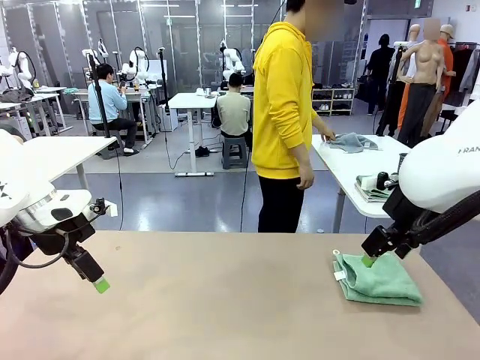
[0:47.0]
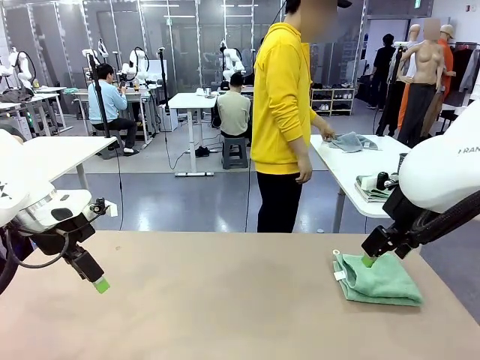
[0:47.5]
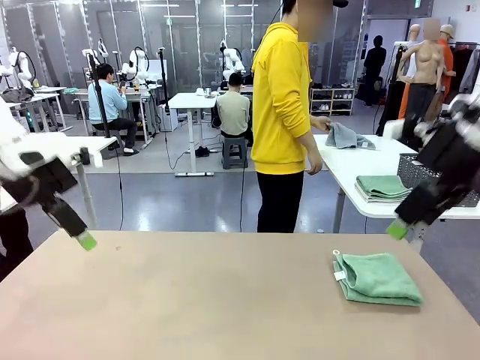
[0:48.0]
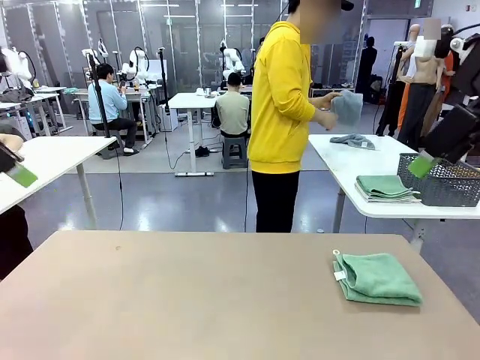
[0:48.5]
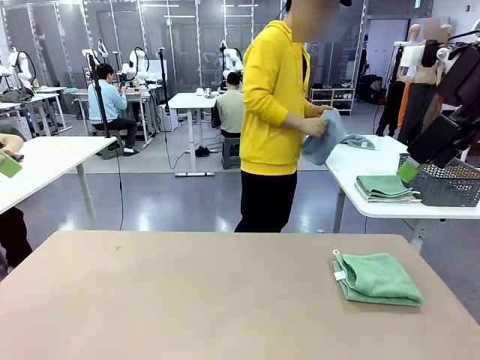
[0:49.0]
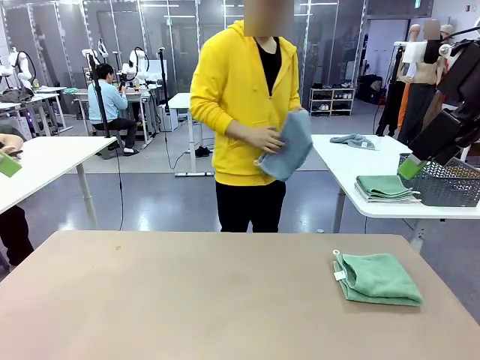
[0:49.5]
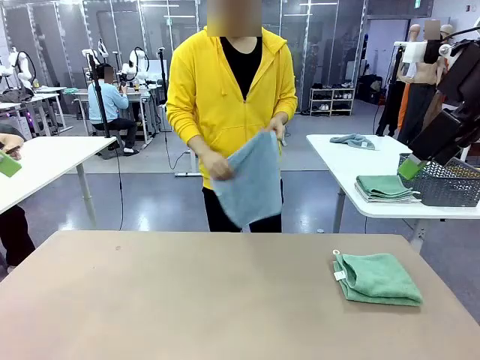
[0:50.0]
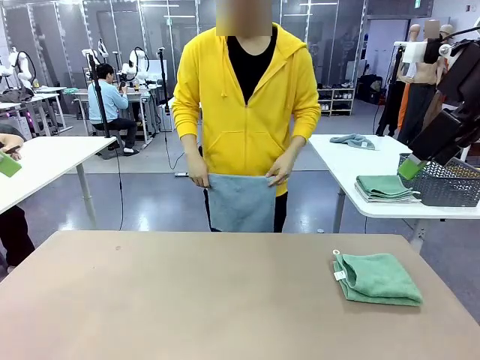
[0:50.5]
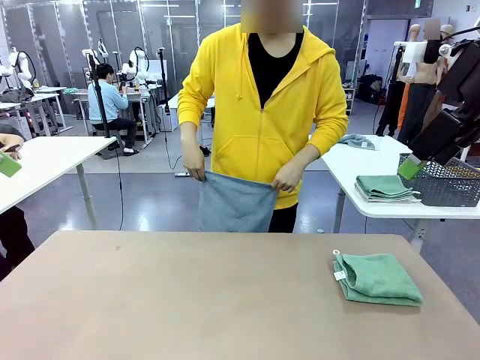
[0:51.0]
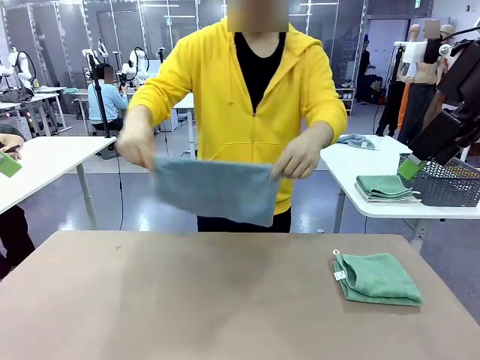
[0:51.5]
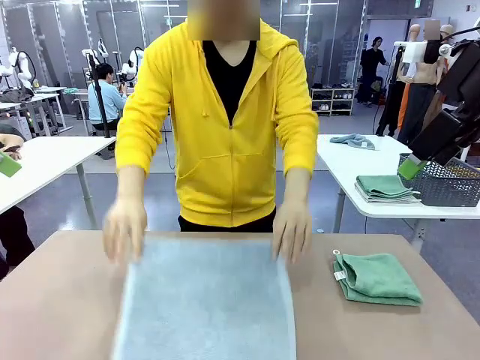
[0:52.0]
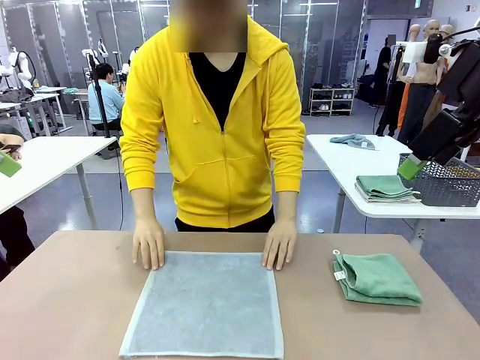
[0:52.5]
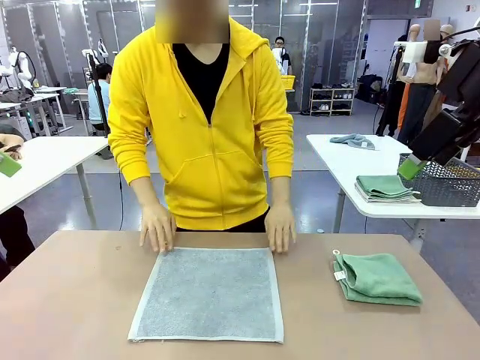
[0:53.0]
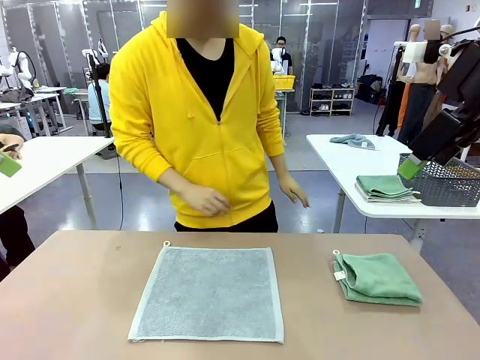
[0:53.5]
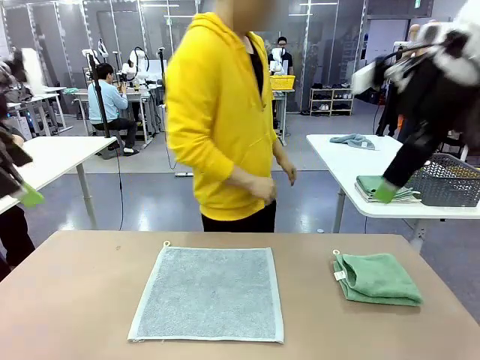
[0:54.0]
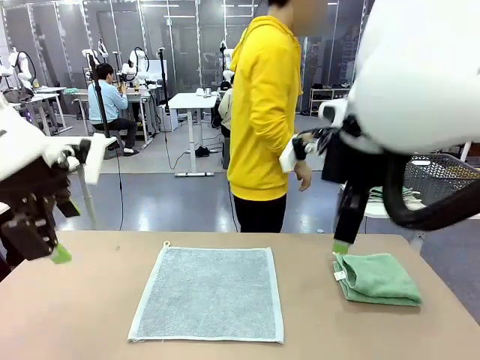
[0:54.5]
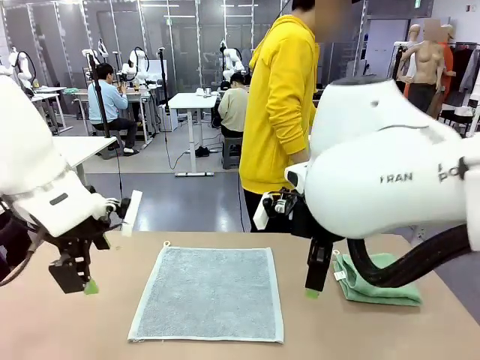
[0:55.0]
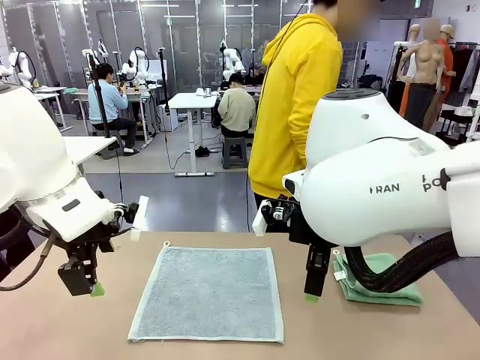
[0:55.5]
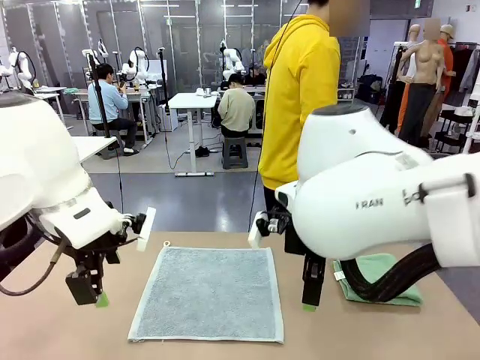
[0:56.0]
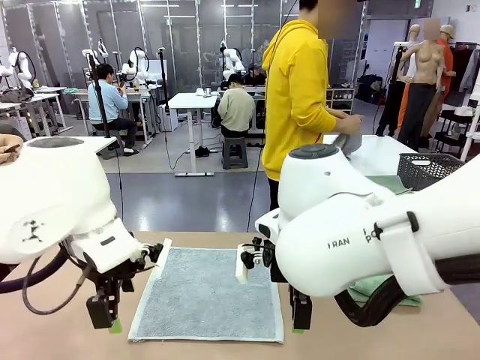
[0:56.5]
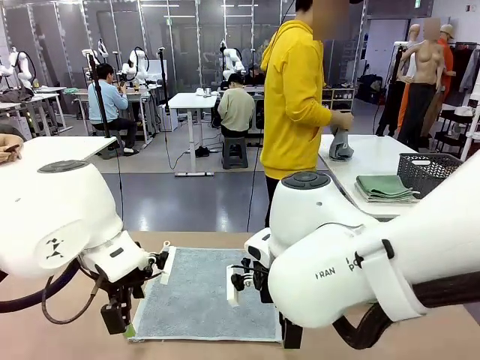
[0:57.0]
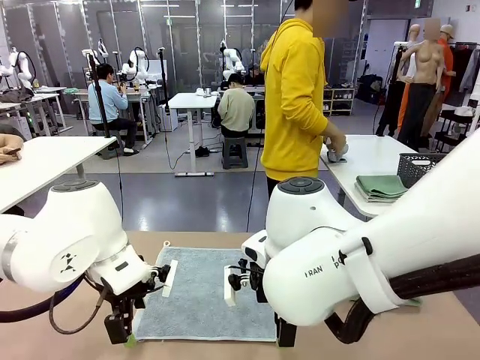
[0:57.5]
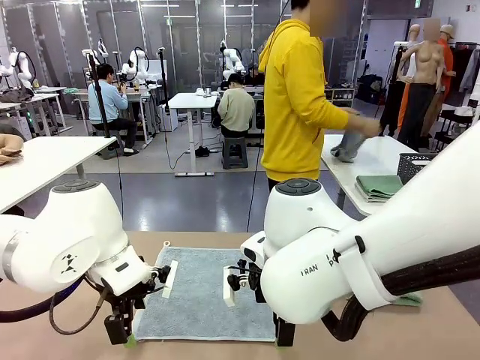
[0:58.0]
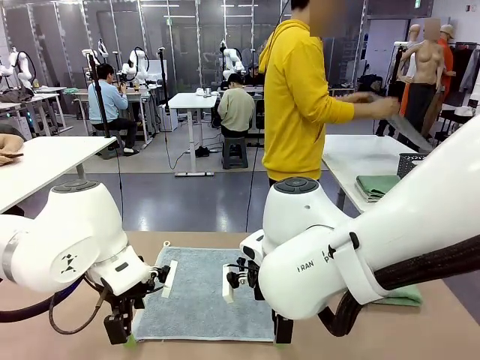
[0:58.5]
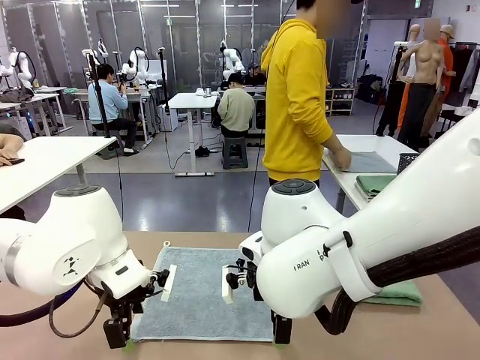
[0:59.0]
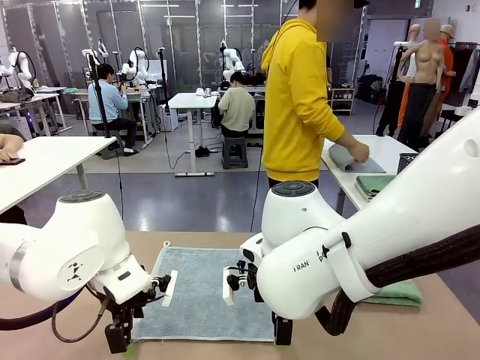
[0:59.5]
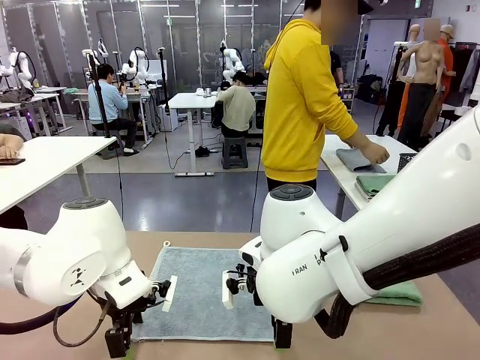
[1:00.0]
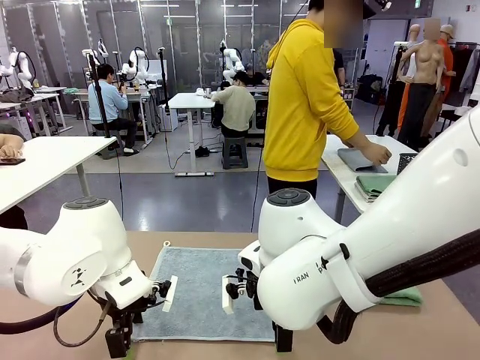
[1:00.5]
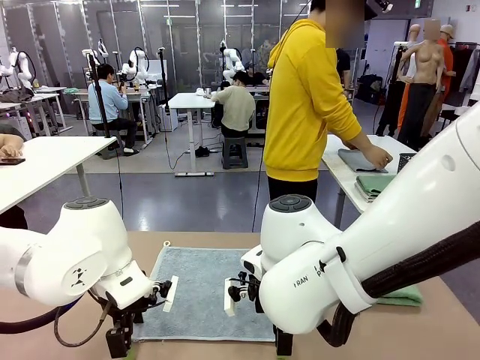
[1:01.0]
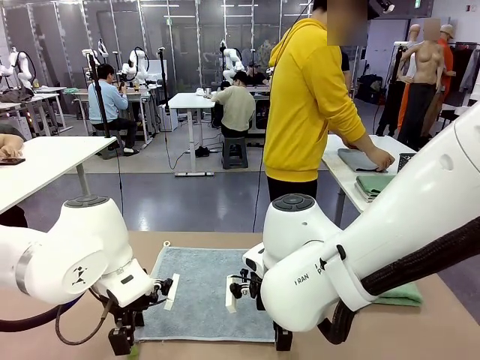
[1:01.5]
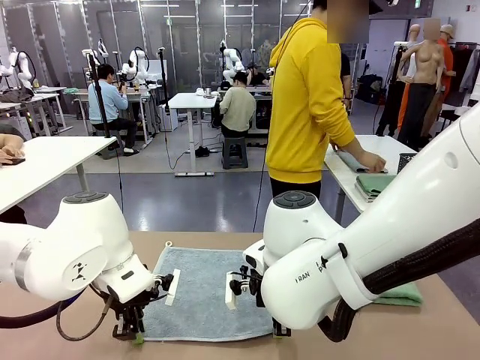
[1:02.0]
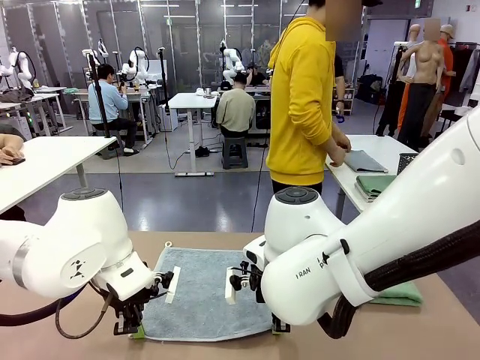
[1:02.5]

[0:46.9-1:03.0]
Task: Fold the towels and place them in the basket.
Robot: When a person lays out a Towel with hook on the table, fold it in half twice.
Person: Pick up one towel from the left side of the human table and spread it out at the center of the robot table. Pick up one towel from the left side of the human table, fold it in half twice, and stack it on the right side of the table.

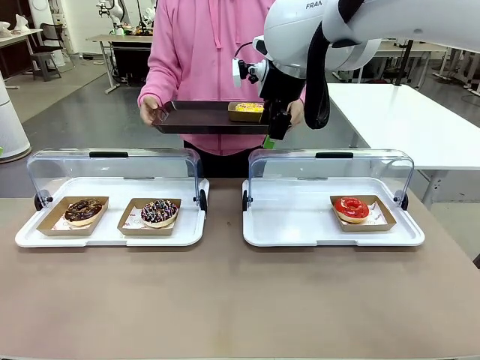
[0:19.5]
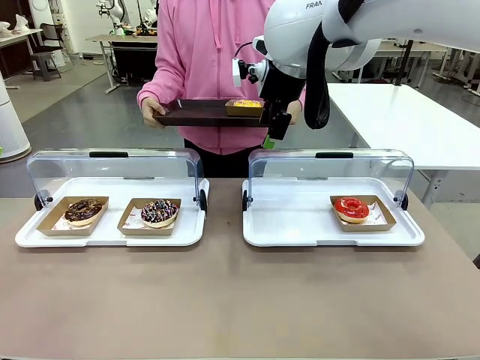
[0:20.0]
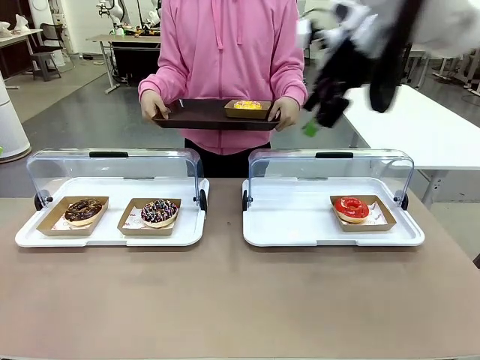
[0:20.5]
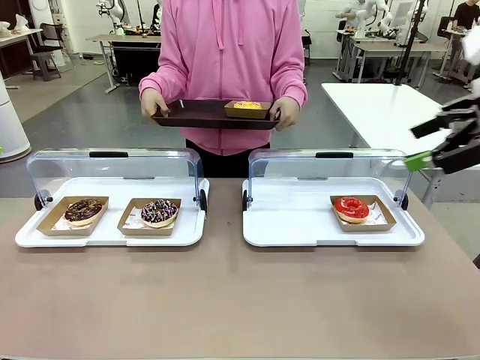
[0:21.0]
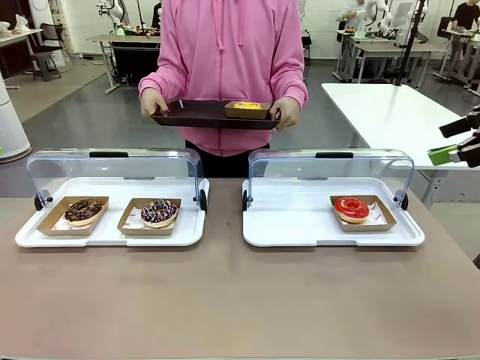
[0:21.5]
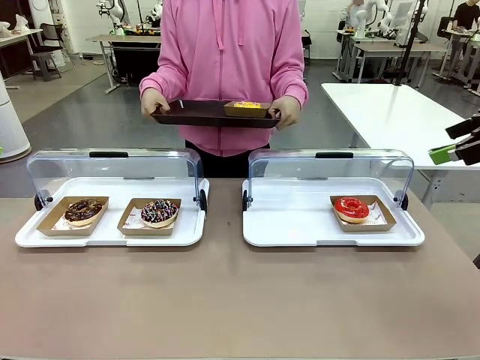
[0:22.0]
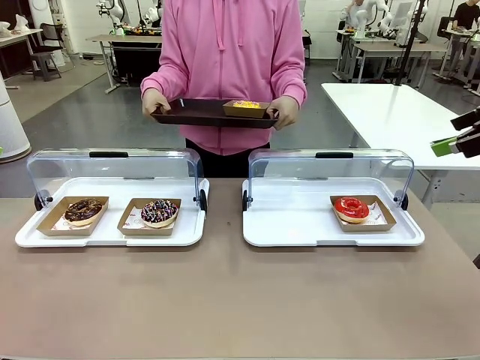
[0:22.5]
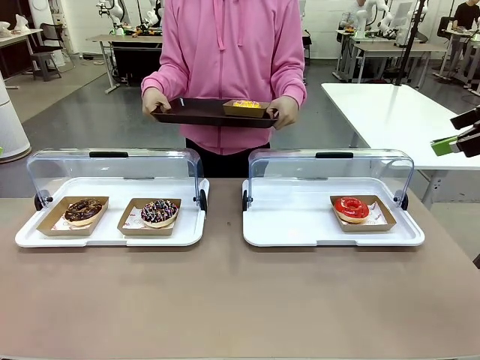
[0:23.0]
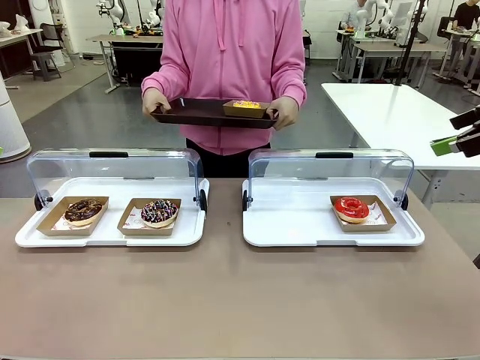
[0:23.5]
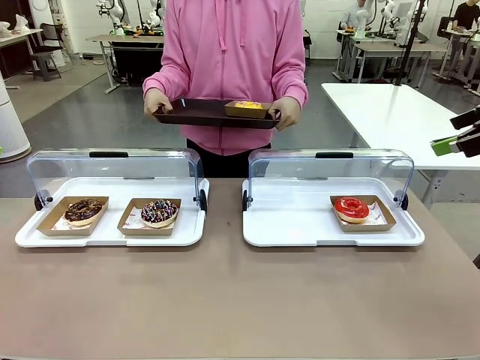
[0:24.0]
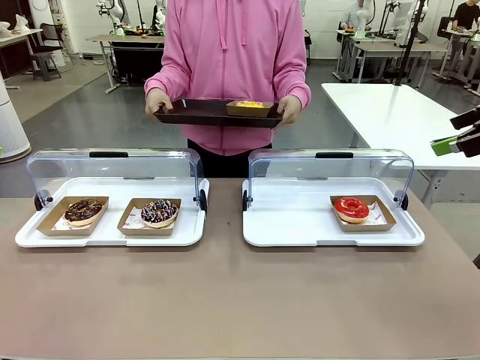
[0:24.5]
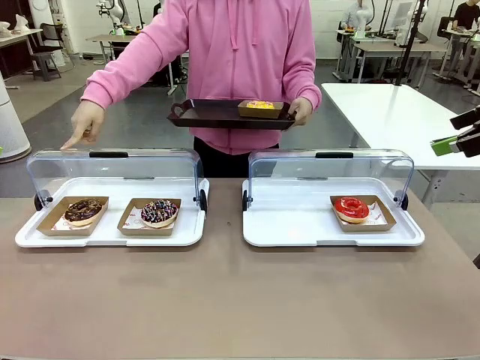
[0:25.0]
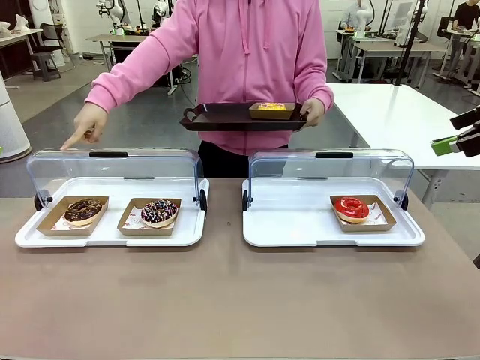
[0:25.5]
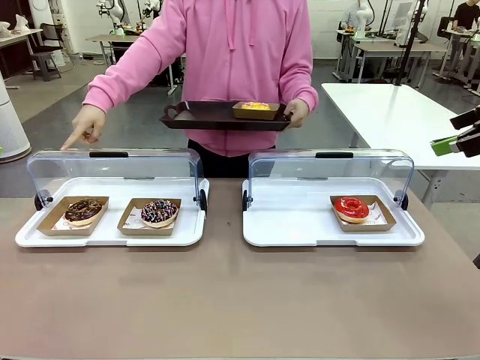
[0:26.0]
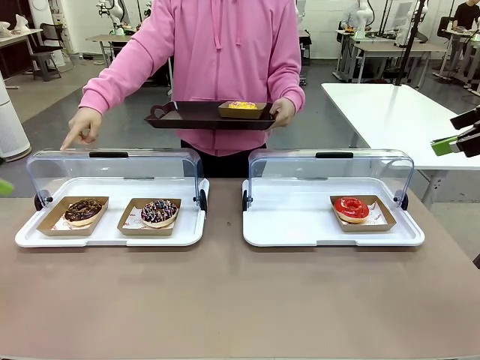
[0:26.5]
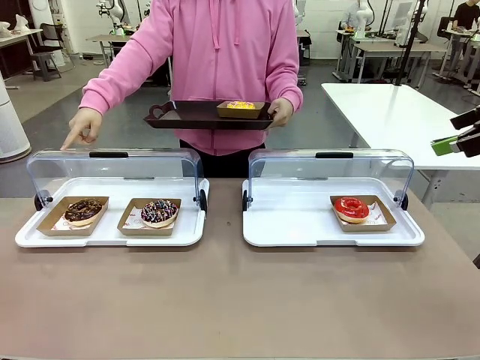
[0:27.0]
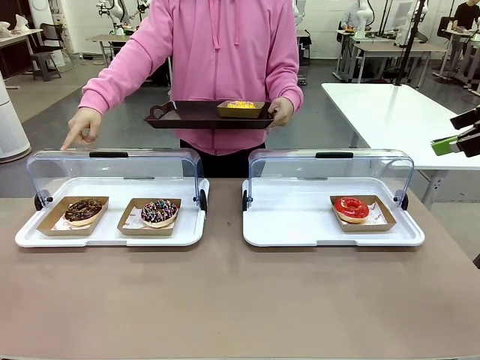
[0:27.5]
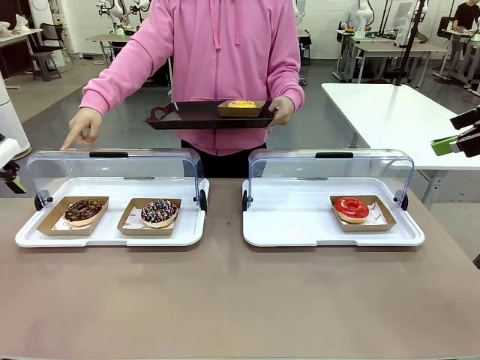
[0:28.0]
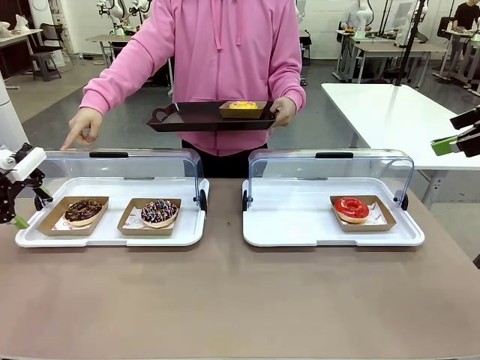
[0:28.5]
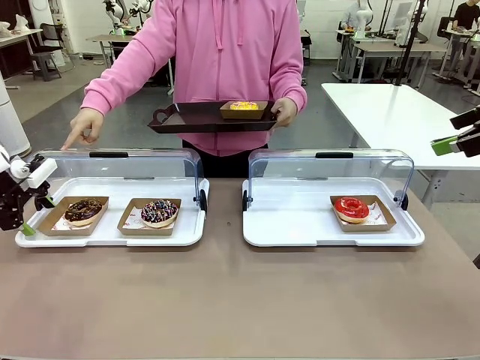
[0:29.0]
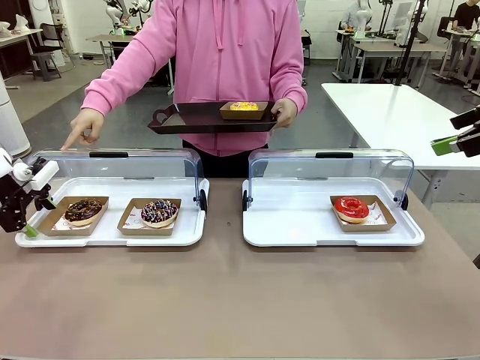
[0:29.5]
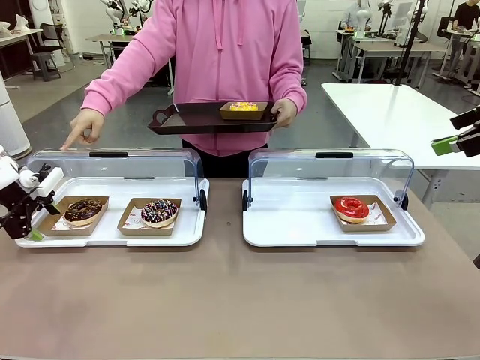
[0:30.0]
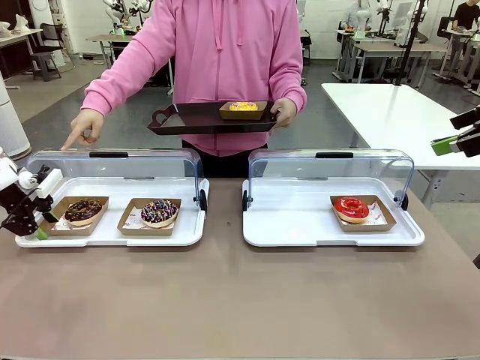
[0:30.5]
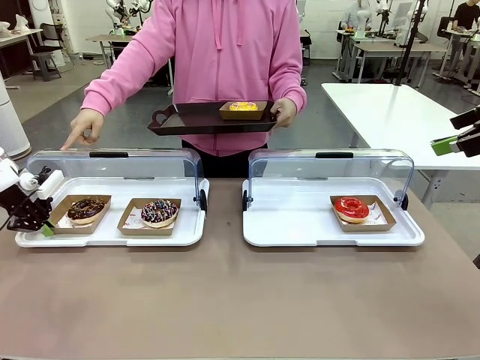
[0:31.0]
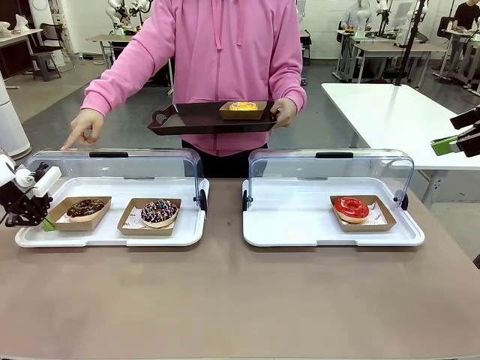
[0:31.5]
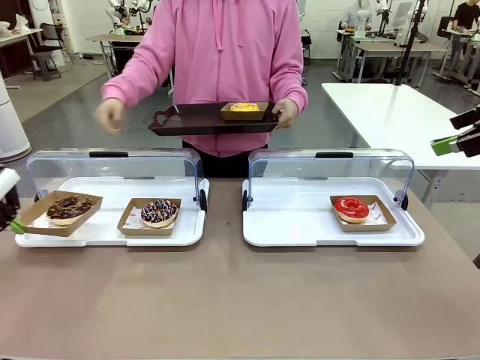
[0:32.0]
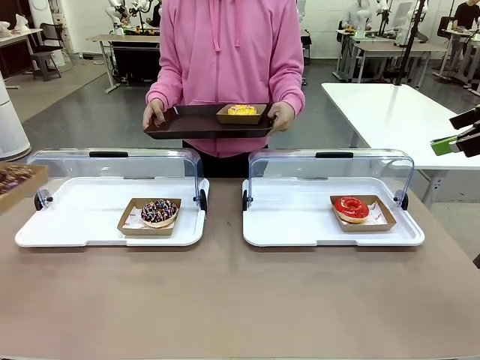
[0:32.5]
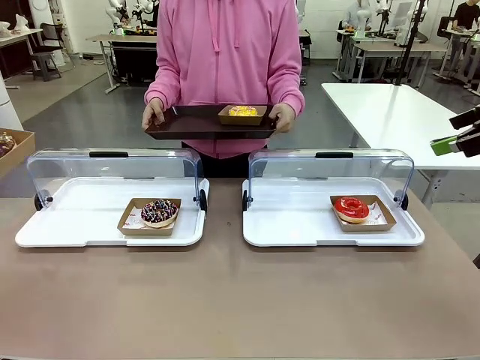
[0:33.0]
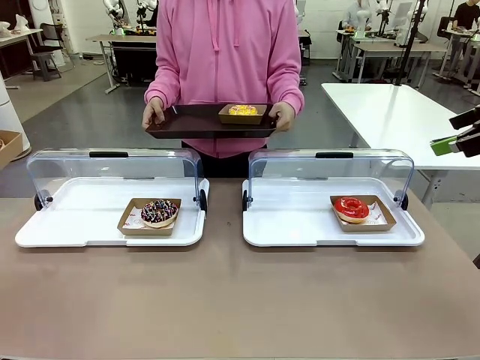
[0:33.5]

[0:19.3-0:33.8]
Task: Provide the desired donut to the person.
Robot: Pick up and lift the Paper togo box containing the Donut pointed at by the person.
Person: Point to one donut. Lift the tray onto the Roll-Top Bakery Case.
